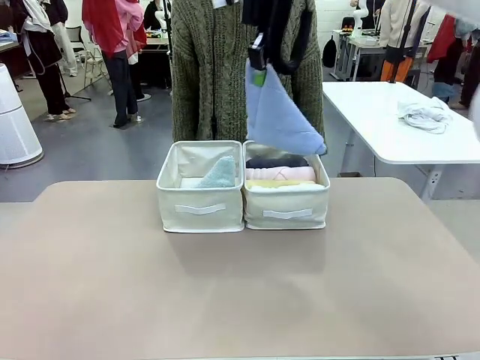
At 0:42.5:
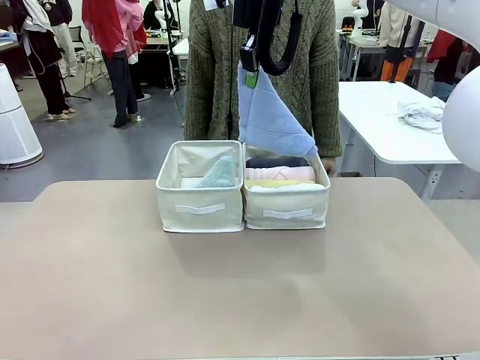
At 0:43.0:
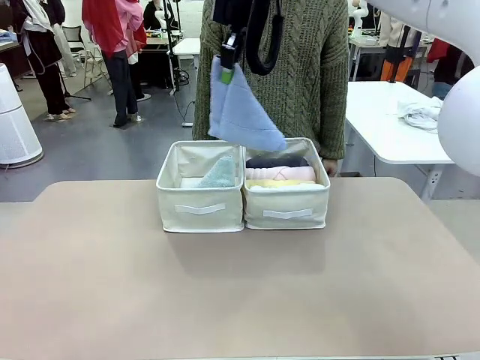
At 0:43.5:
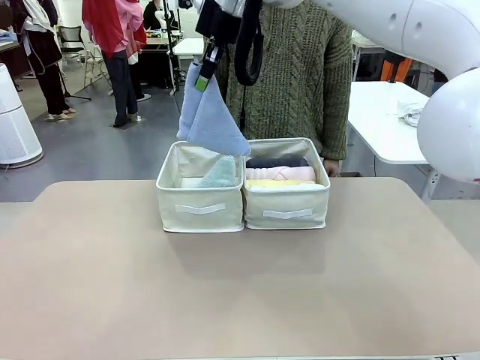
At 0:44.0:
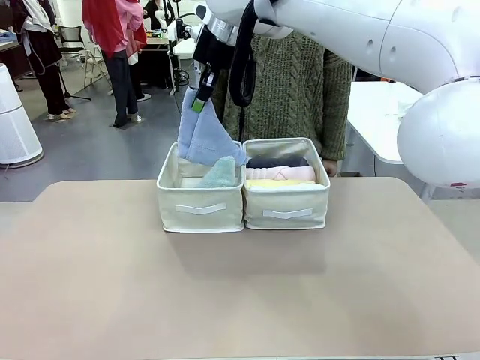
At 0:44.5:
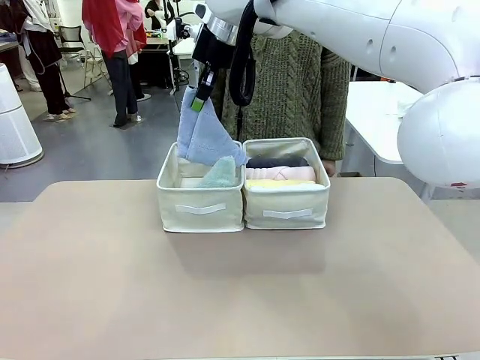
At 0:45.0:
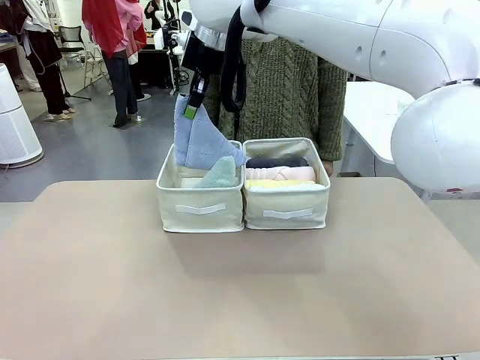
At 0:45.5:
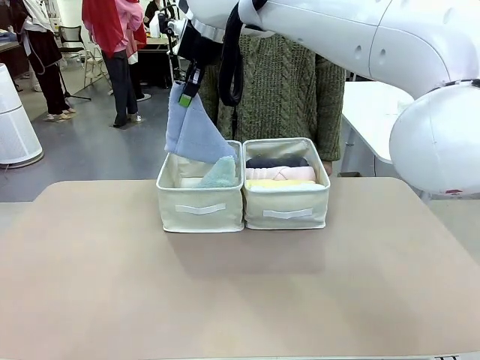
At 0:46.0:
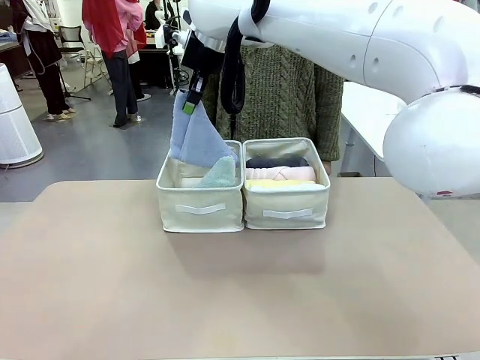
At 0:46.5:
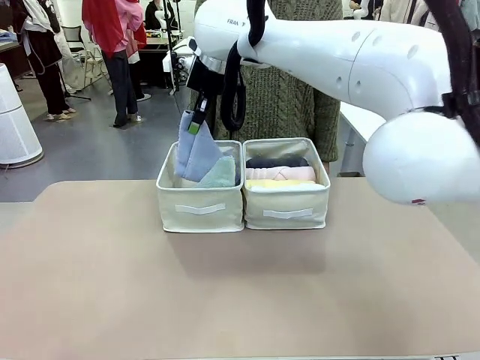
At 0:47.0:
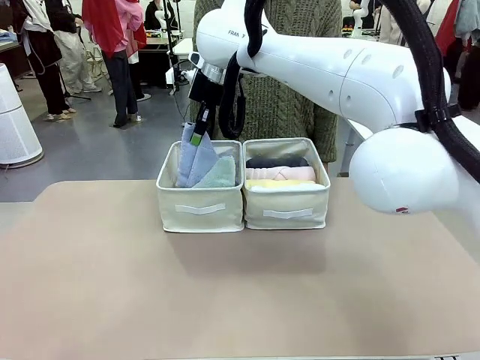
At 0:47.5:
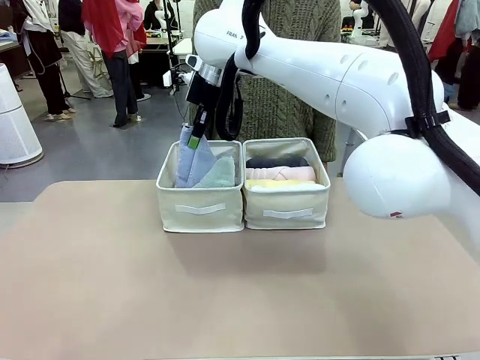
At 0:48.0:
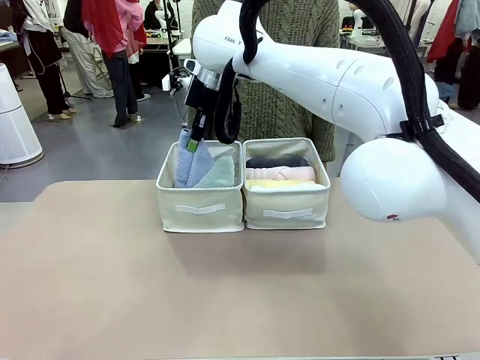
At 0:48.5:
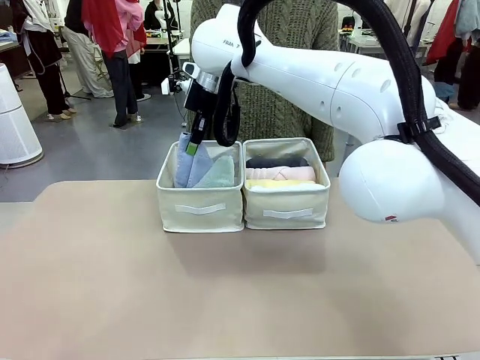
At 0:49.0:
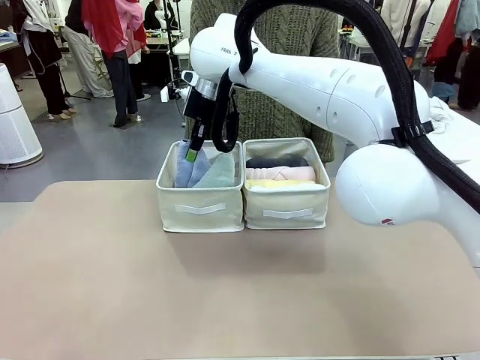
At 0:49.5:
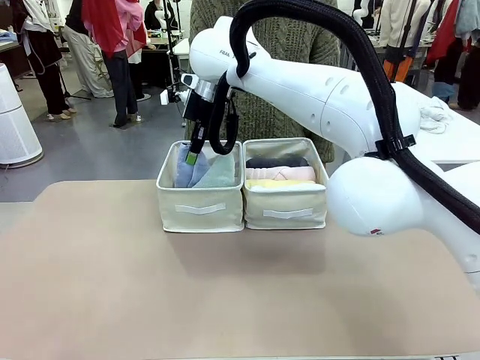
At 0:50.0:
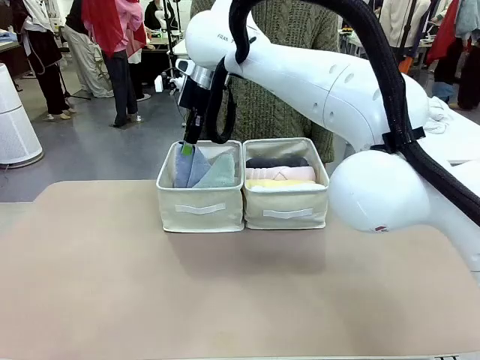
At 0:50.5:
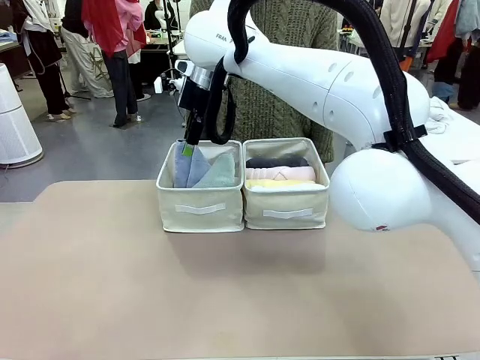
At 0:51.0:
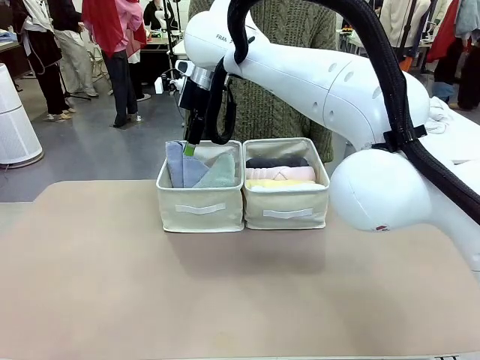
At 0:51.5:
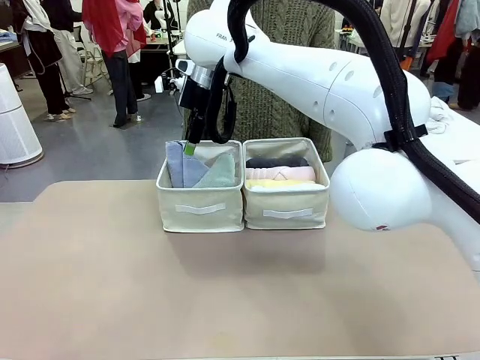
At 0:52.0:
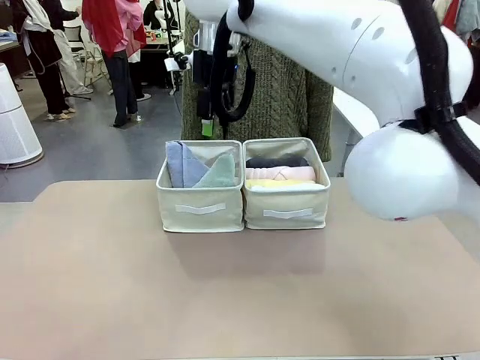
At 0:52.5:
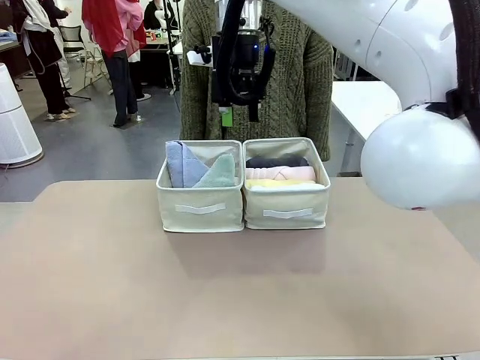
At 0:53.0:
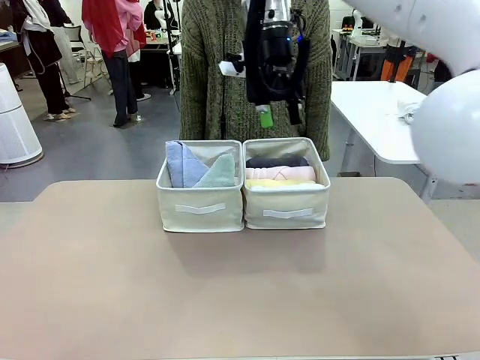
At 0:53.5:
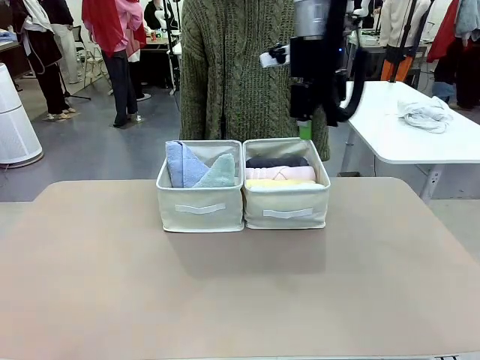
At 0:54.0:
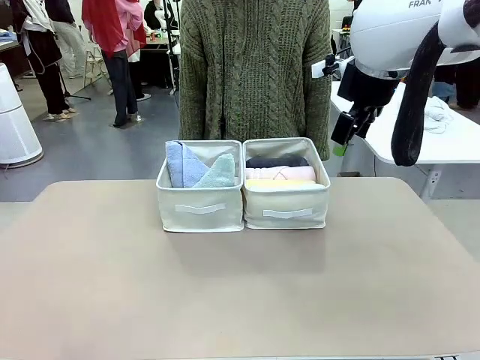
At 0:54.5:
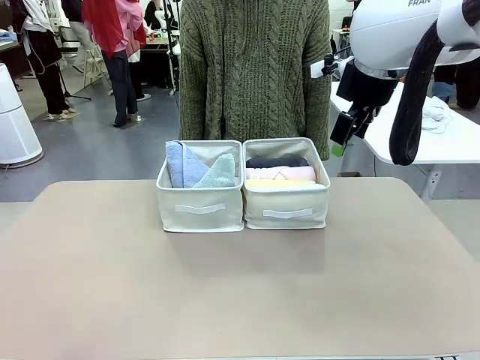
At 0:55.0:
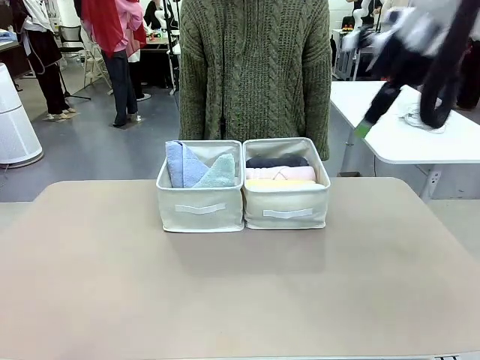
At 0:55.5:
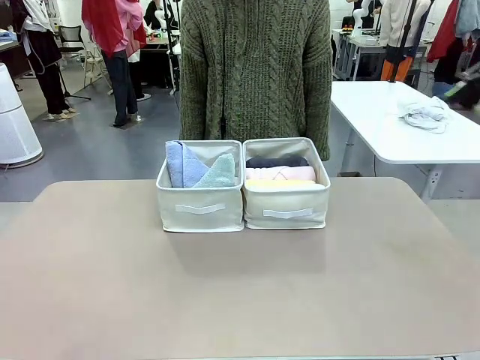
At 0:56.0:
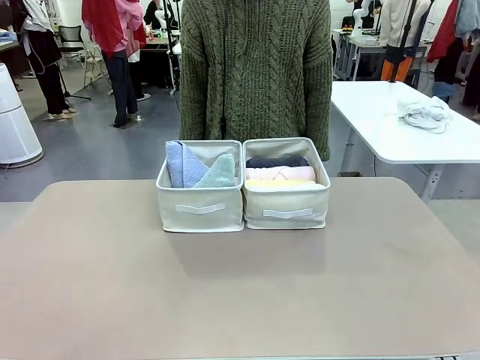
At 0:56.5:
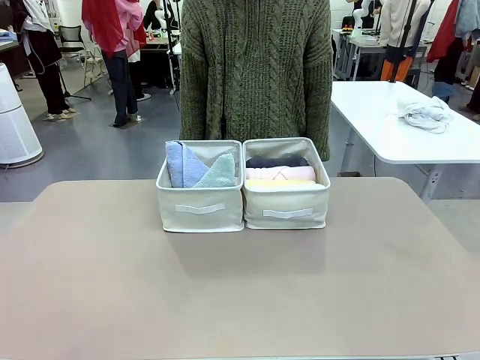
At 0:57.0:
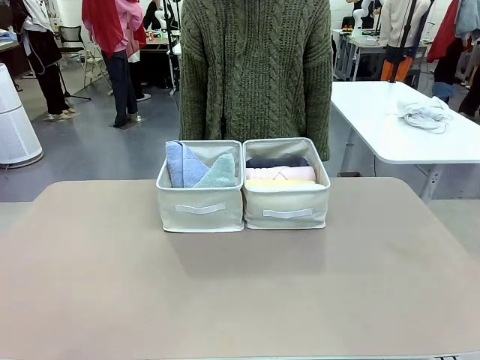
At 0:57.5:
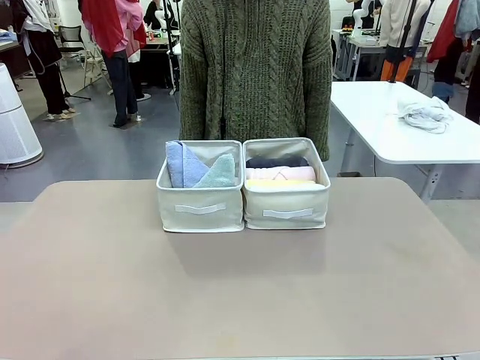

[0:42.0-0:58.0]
Task: Sort the towels based on their folding style.
Robot: Pick up another triangle-folded towel from the table and place it in the left Fabric basket.

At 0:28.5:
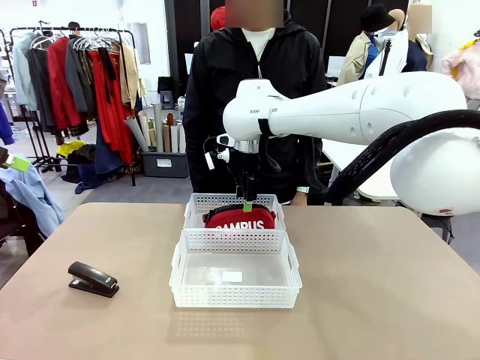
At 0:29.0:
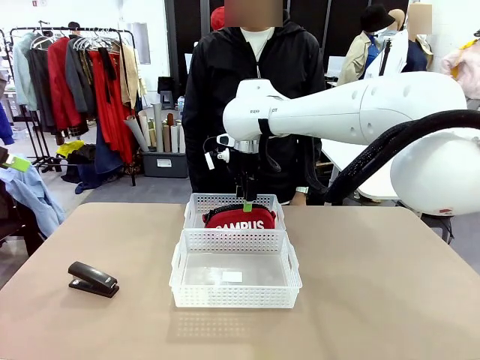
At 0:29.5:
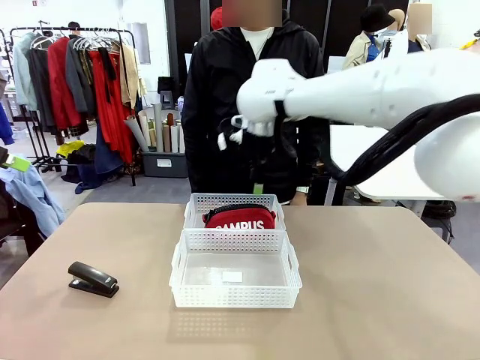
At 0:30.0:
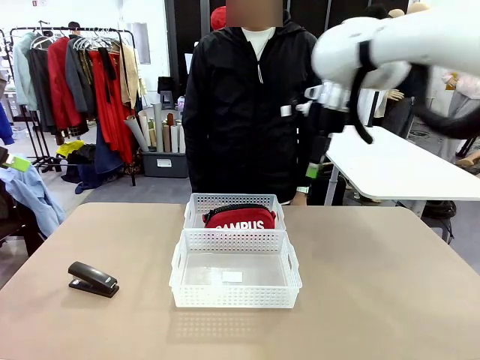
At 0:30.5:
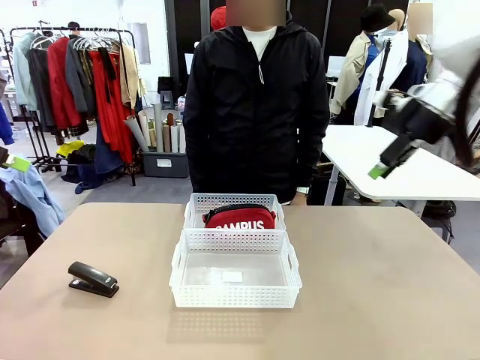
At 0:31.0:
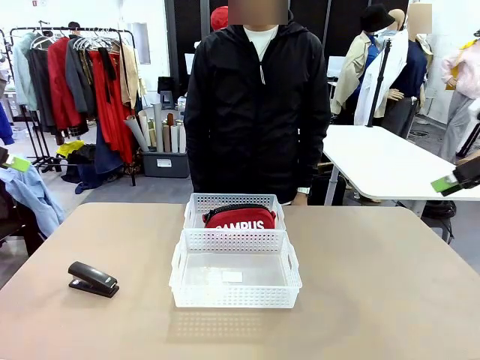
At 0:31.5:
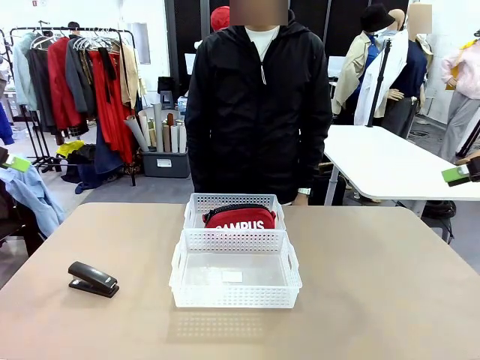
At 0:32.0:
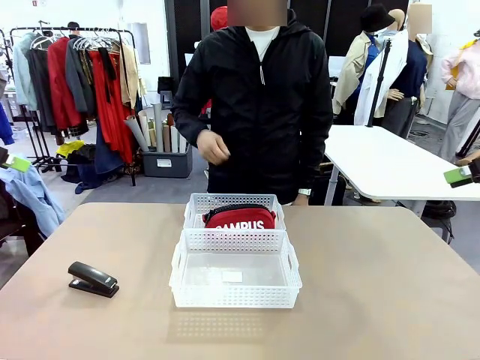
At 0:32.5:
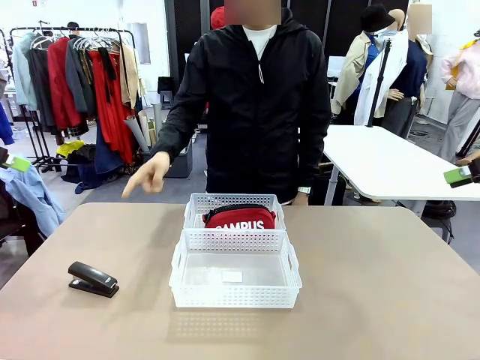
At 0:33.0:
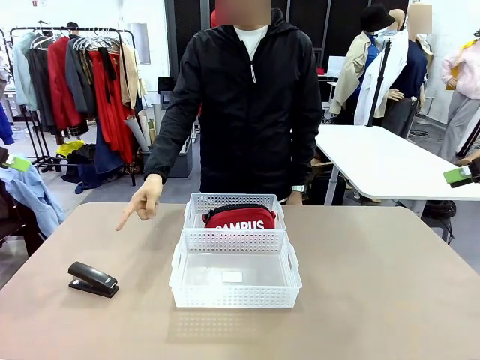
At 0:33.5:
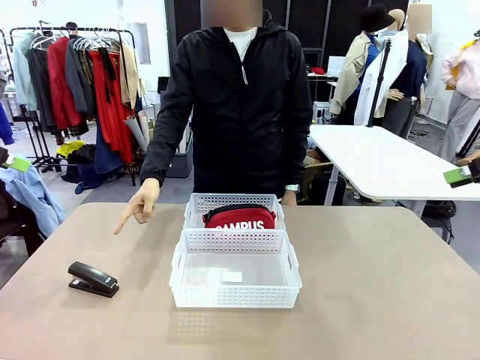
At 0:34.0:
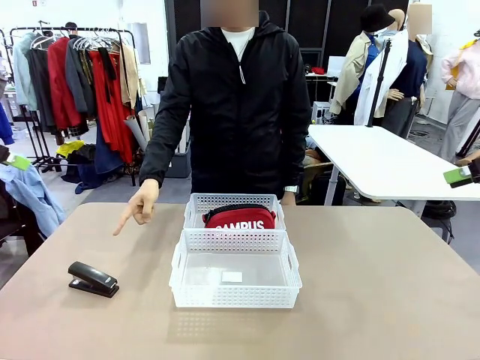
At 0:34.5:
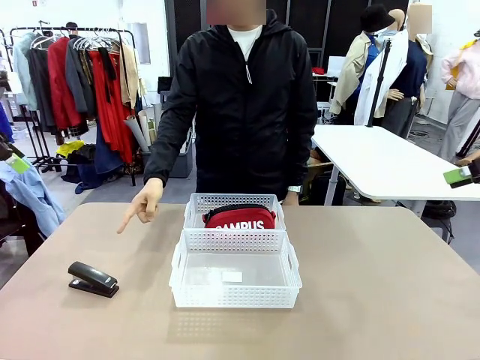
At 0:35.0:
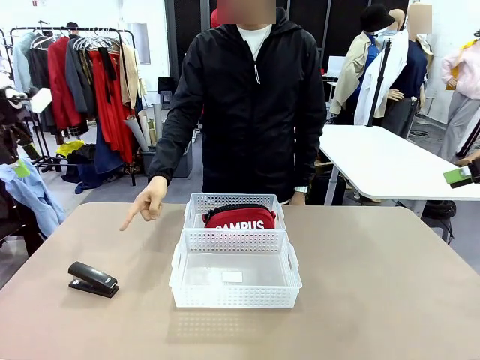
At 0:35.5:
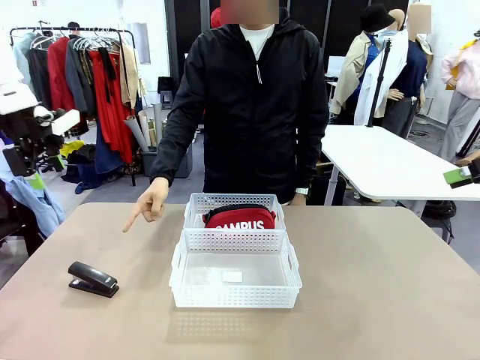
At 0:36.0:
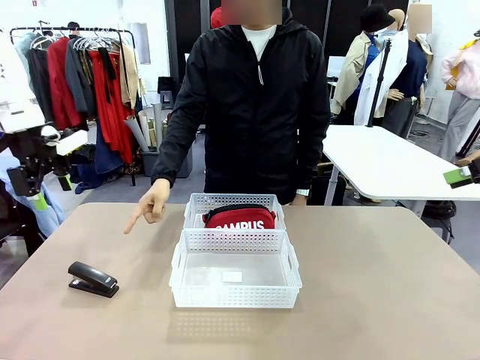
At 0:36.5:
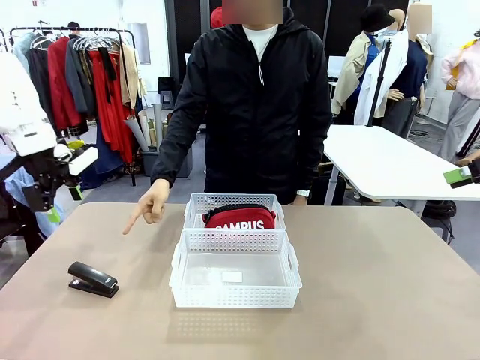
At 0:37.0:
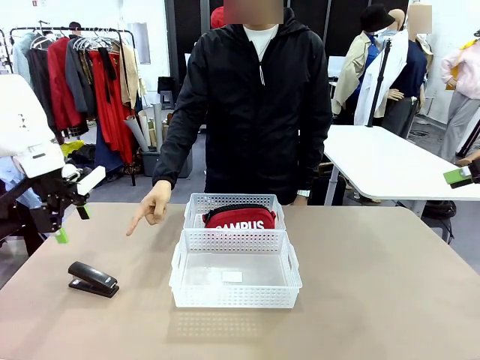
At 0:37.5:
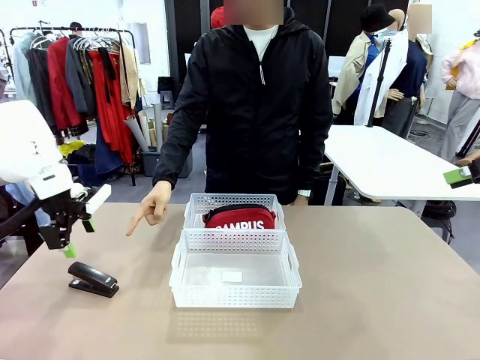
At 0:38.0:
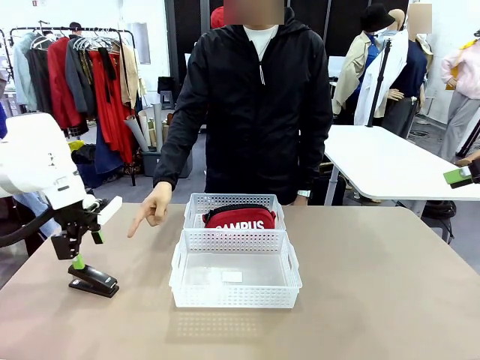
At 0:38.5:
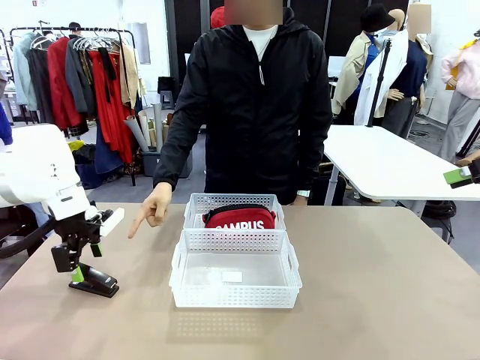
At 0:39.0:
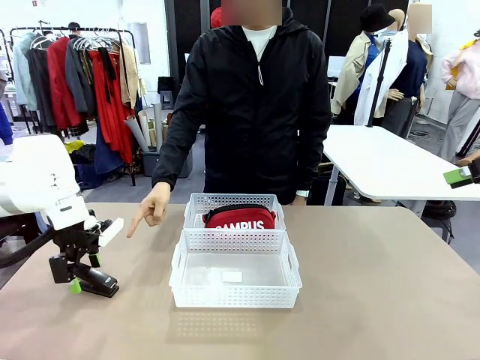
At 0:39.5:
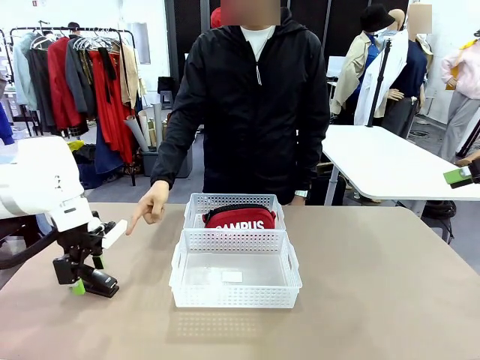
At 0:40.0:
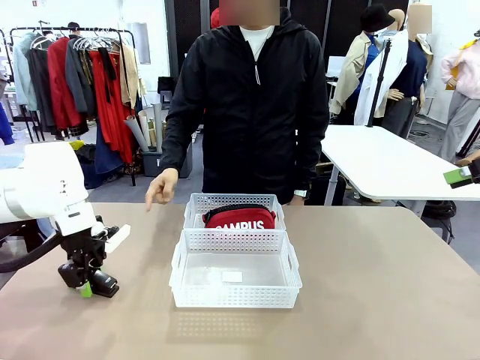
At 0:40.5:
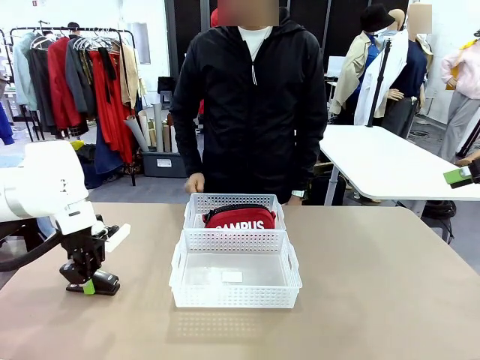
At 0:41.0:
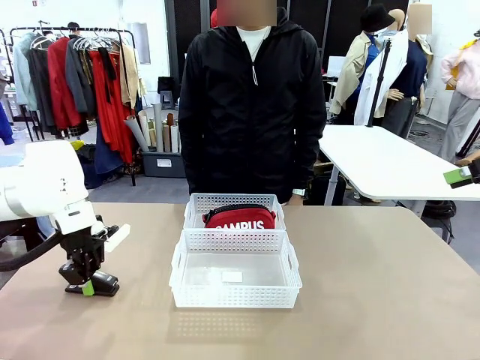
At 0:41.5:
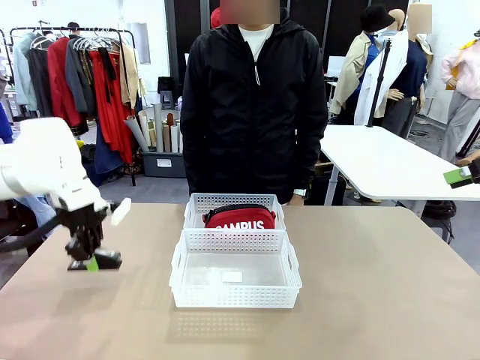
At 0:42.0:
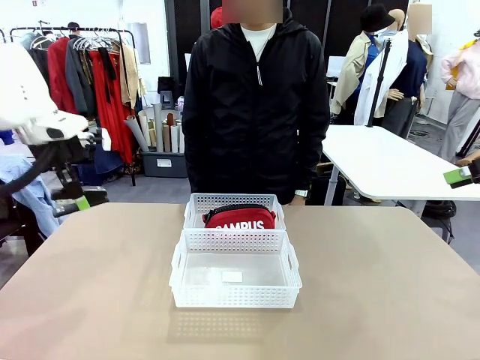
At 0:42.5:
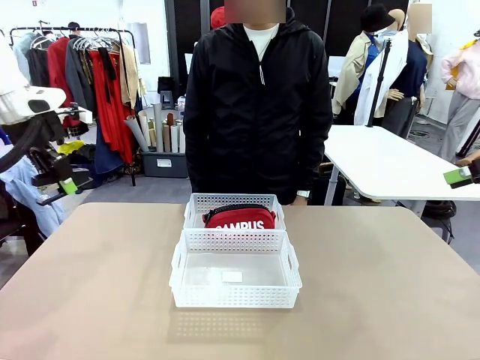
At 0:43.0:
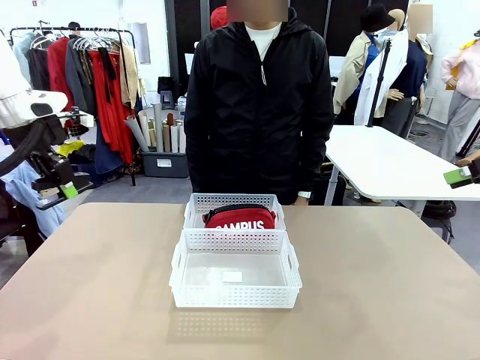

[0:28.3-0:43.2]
Task: Distribute items into two baskets.
Robot: Pick up the Stapler that the person points to.
